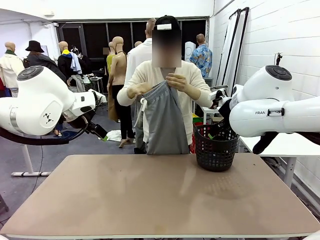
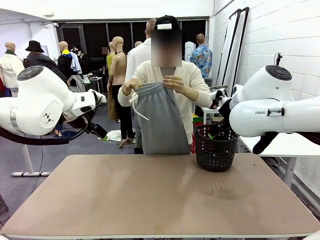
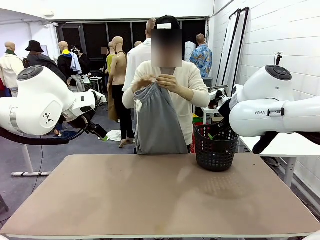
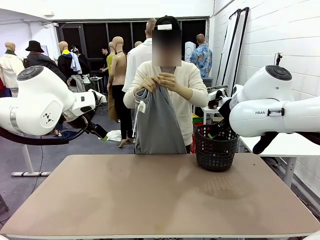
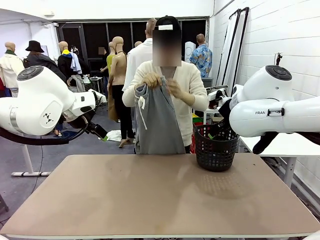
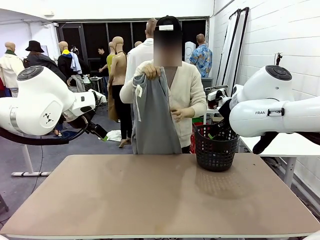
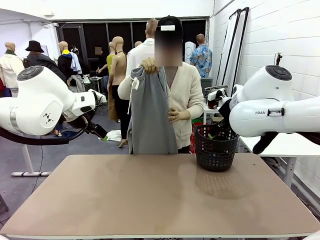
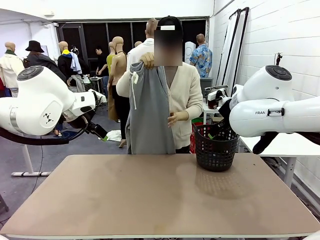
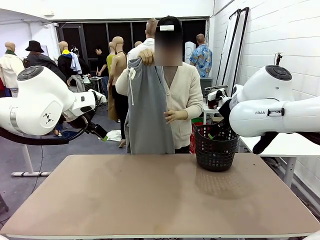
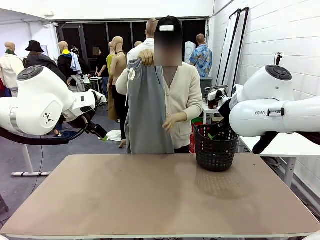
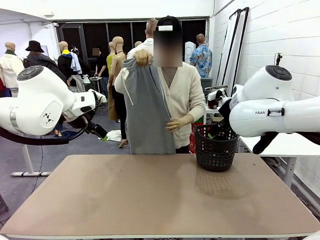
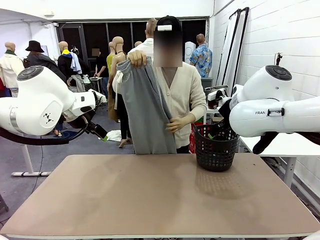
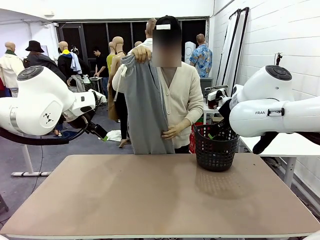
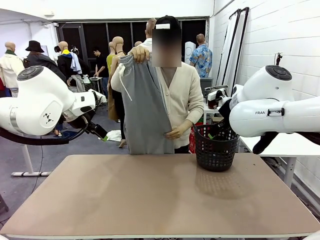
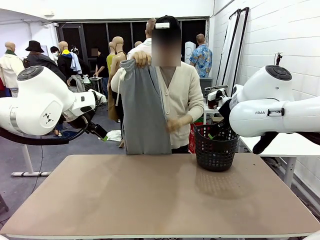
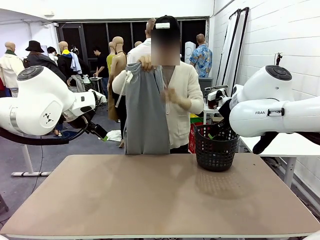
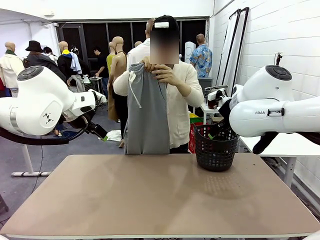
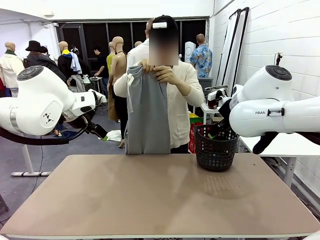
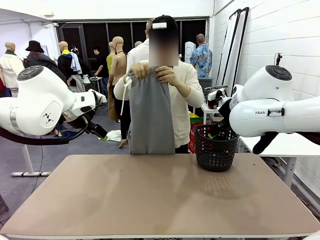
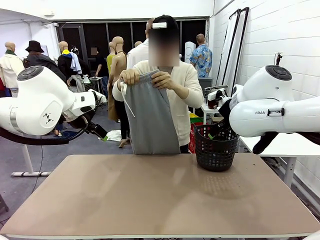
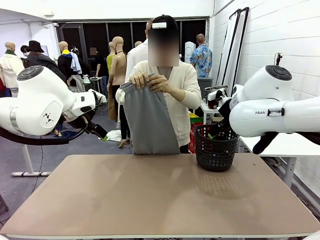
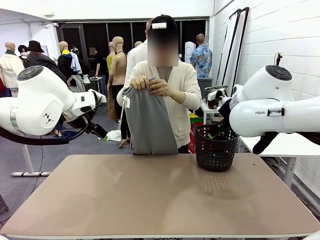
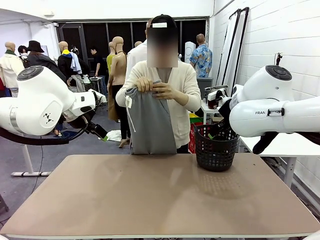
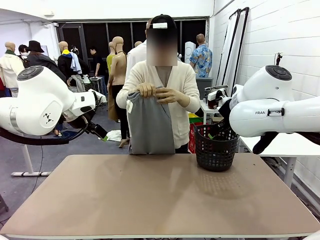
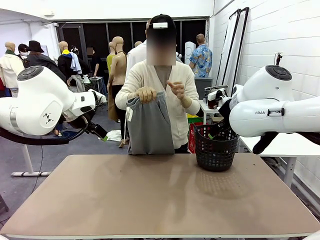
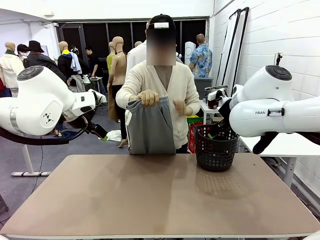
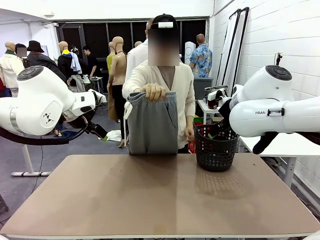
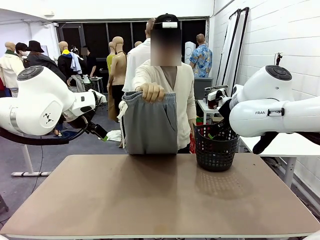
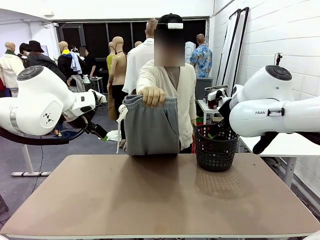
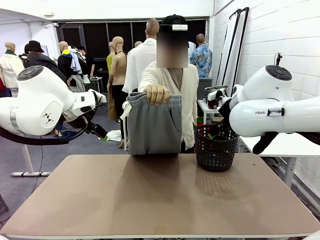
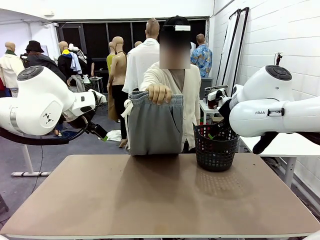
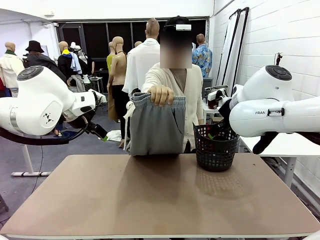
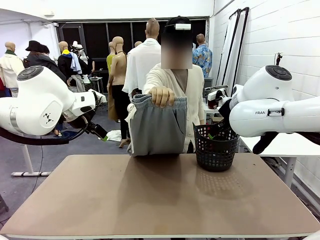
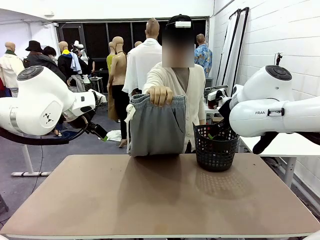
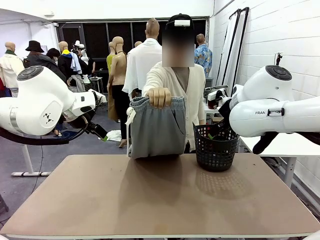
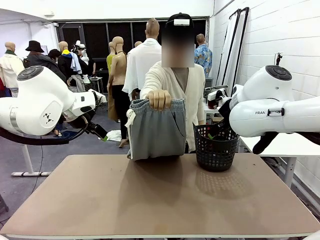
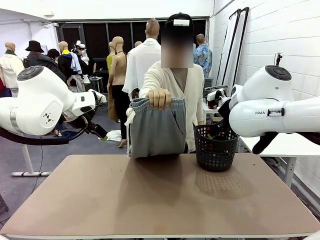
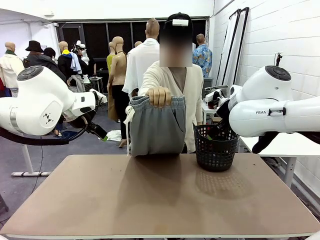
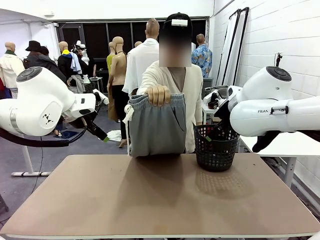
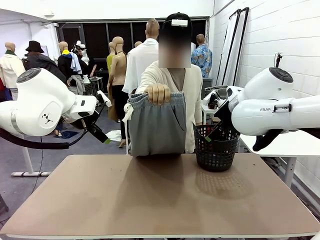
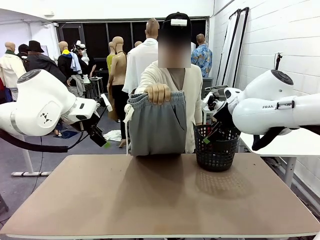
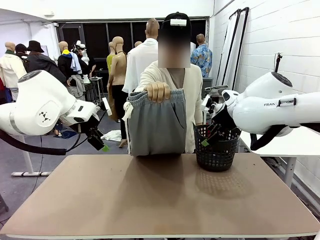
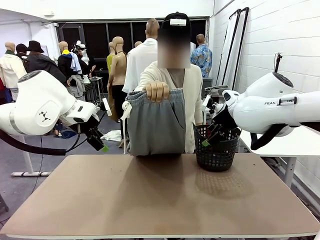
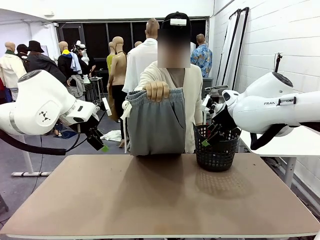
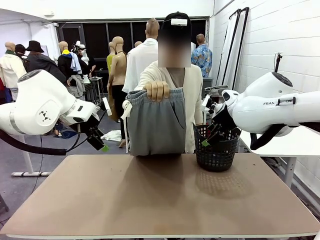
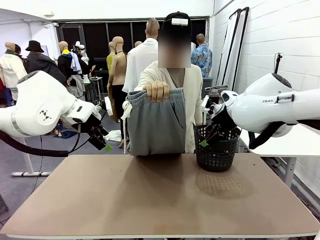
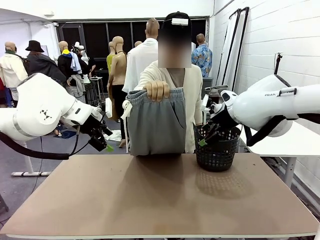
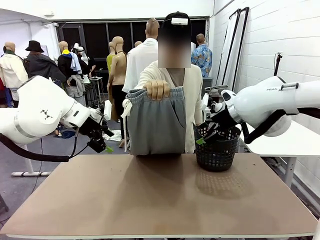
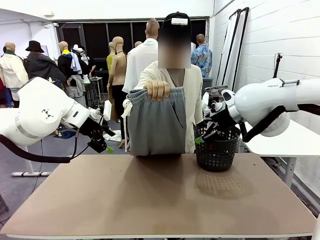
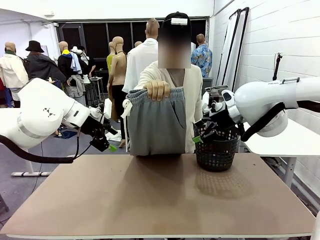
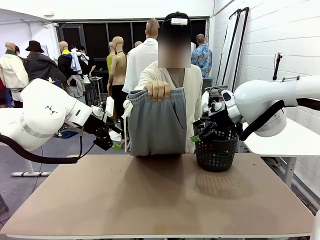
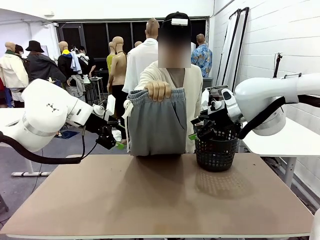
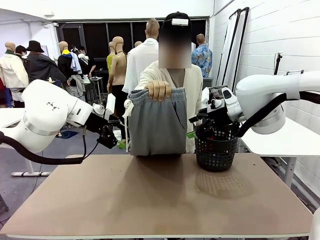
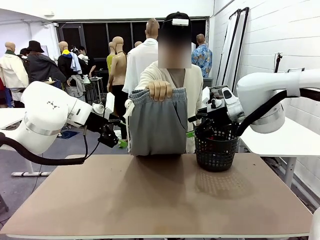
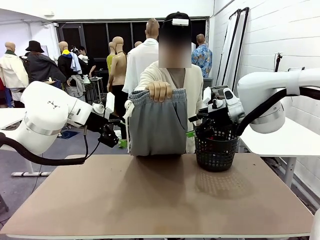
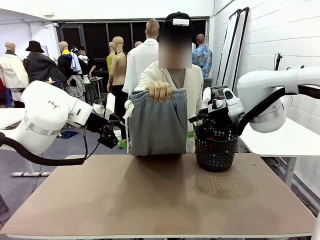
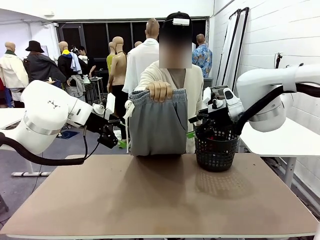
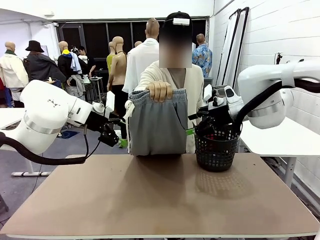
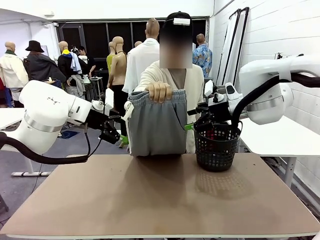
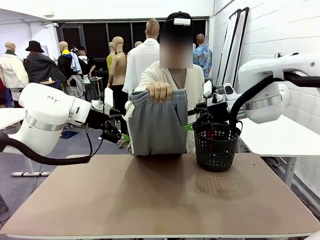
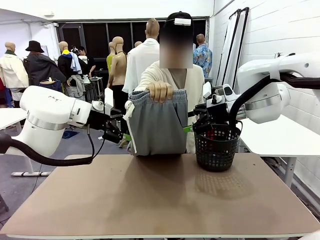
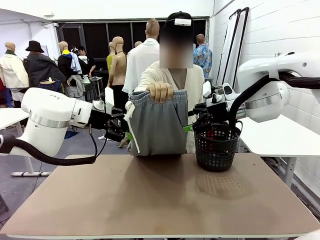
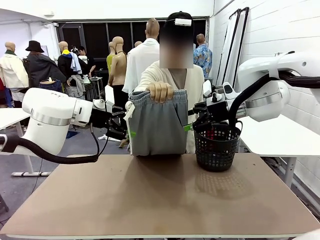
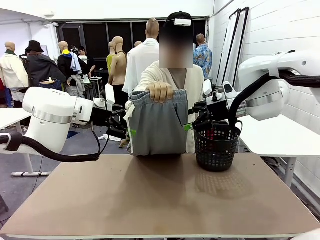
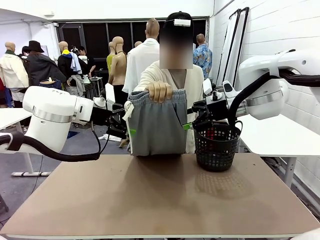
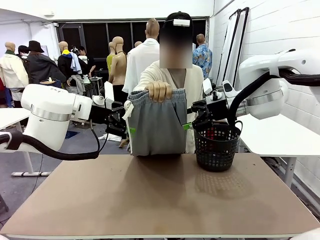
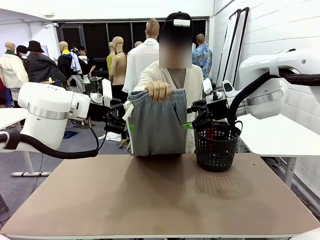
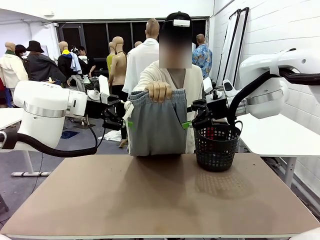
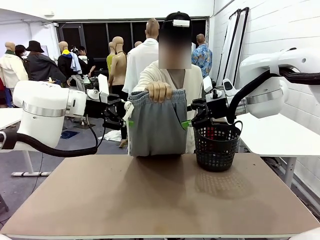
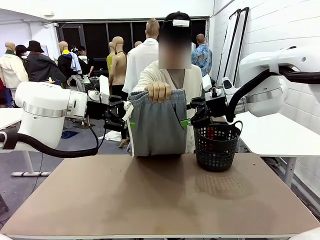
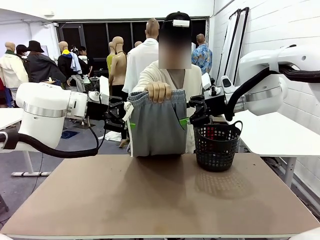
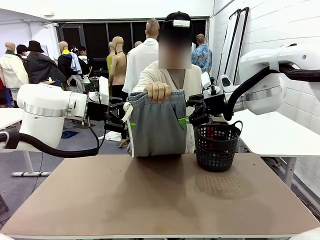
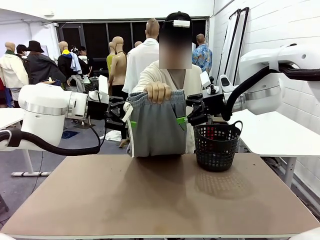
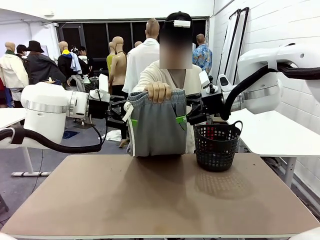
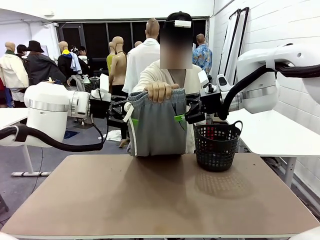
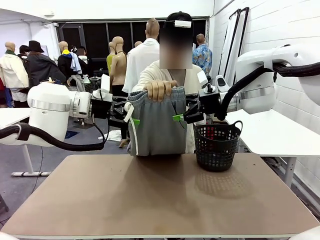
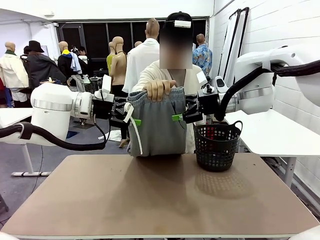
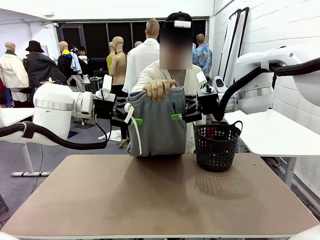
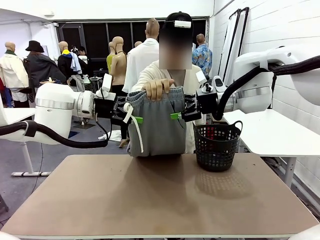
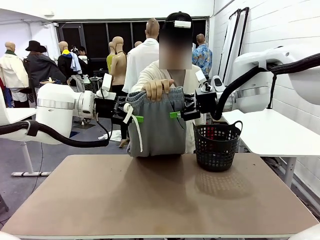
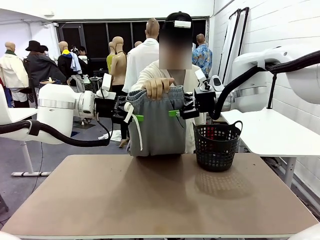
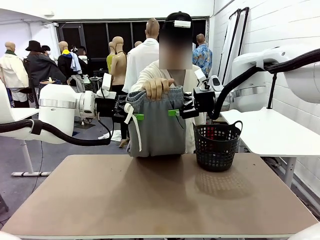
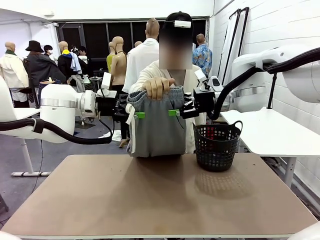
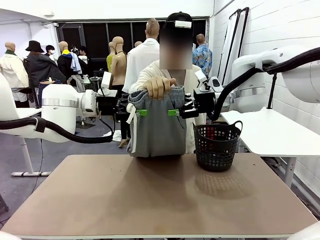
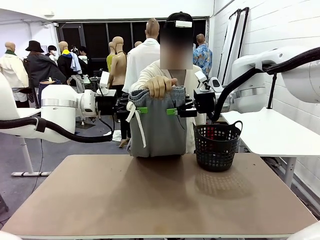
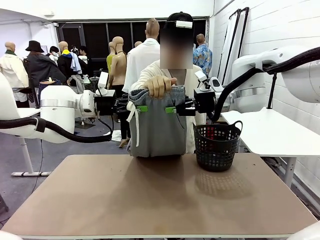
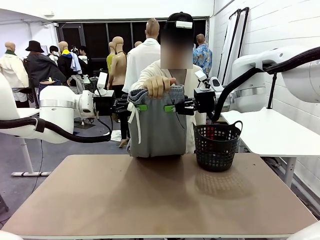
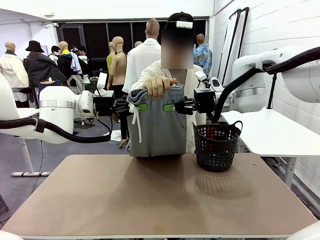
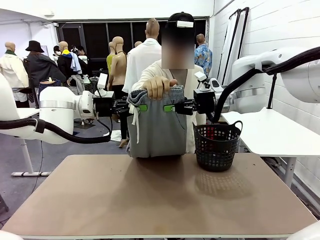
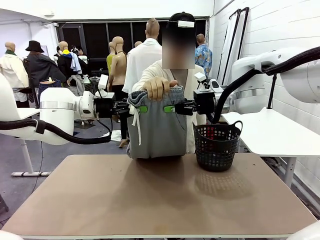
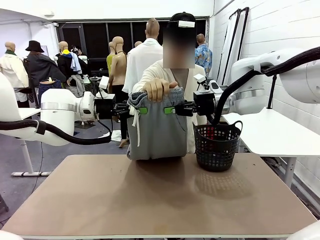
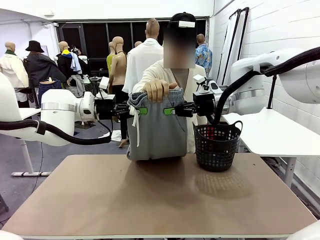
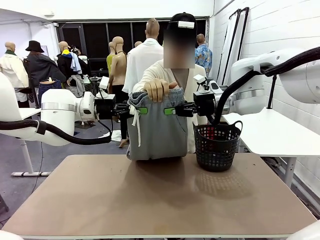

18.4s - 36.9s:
Task: Fold the training pants.
Robot: Grab both ends of the Training pants handed by a person.
Person: Grasp the end opposite the point the robot is holding, fold the pants in half, and then grasp the overlapping top end of the folded pants.
